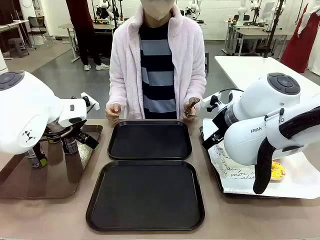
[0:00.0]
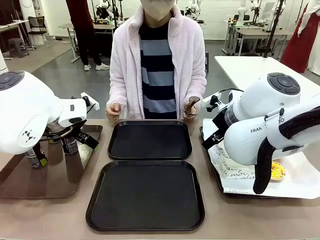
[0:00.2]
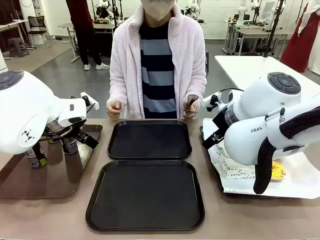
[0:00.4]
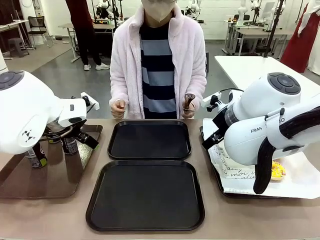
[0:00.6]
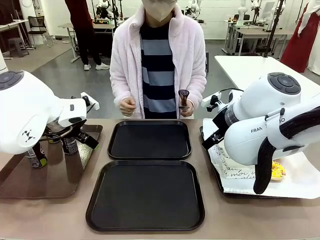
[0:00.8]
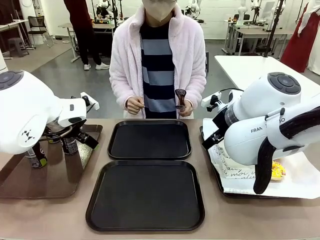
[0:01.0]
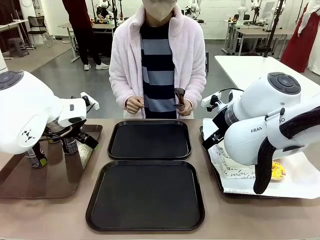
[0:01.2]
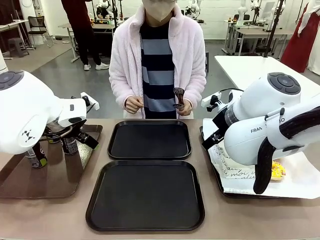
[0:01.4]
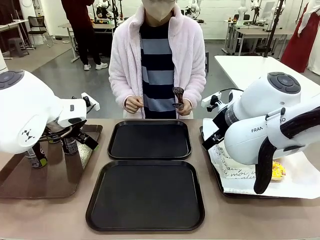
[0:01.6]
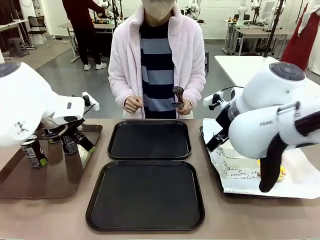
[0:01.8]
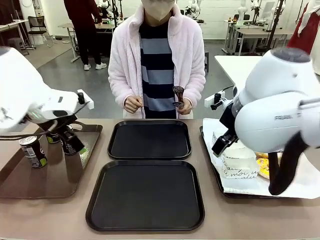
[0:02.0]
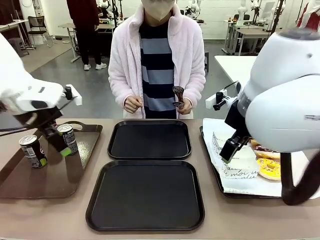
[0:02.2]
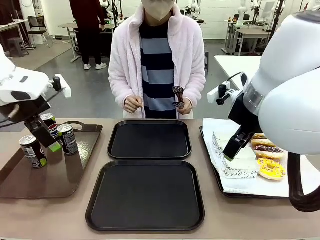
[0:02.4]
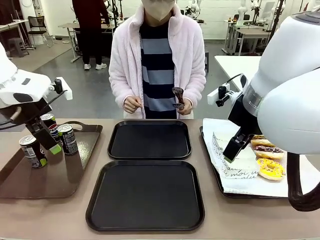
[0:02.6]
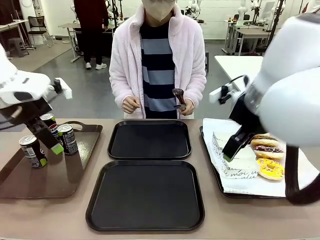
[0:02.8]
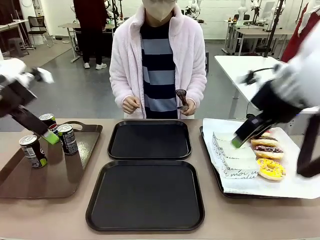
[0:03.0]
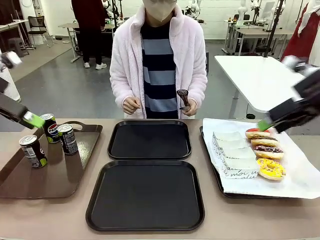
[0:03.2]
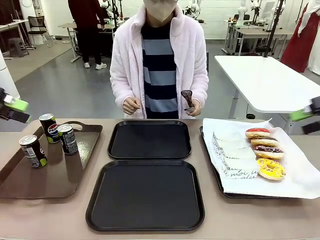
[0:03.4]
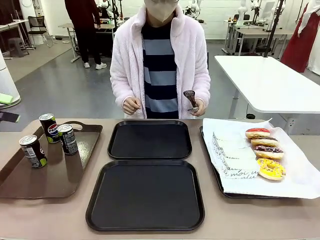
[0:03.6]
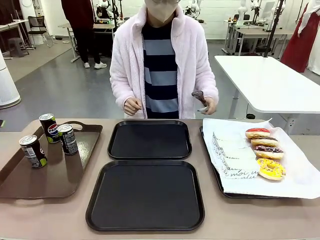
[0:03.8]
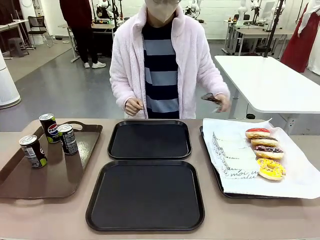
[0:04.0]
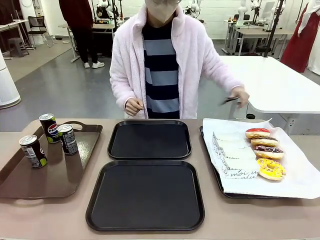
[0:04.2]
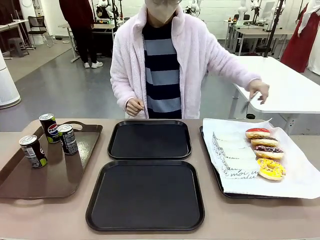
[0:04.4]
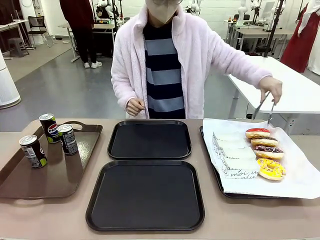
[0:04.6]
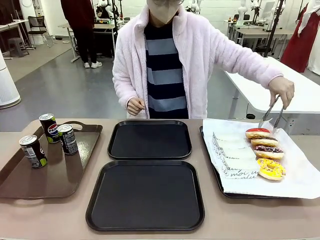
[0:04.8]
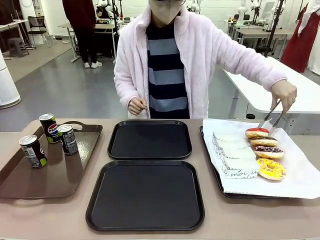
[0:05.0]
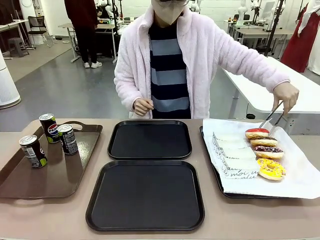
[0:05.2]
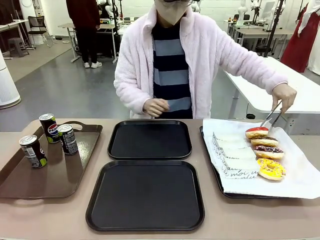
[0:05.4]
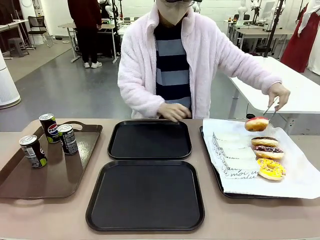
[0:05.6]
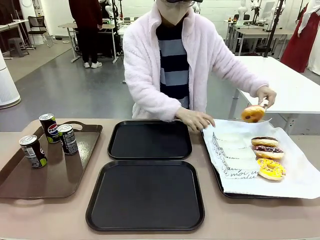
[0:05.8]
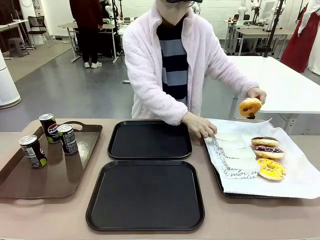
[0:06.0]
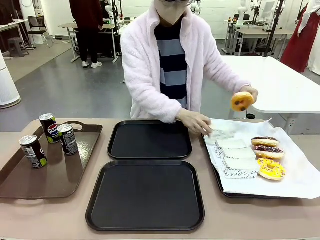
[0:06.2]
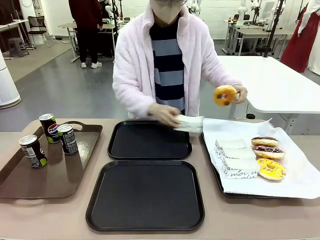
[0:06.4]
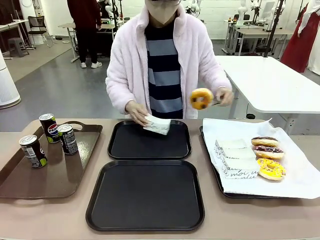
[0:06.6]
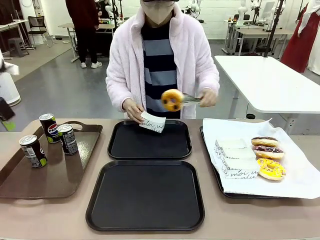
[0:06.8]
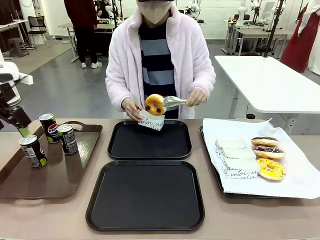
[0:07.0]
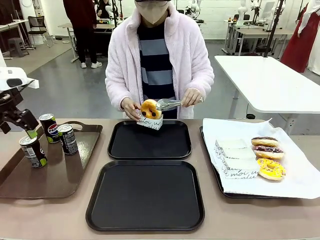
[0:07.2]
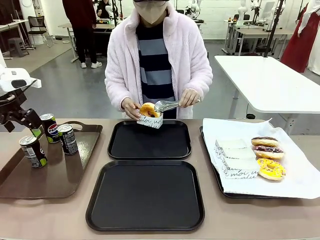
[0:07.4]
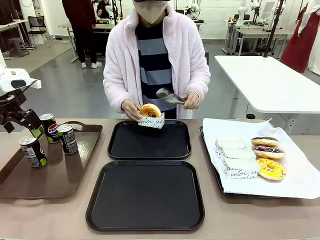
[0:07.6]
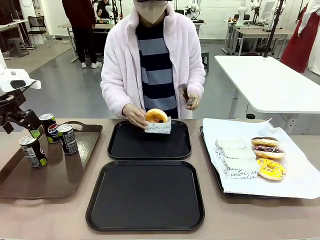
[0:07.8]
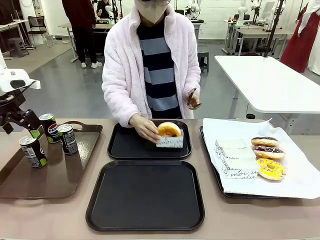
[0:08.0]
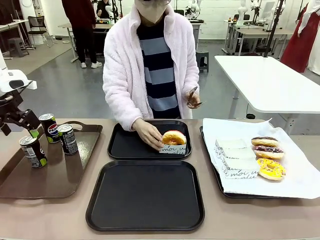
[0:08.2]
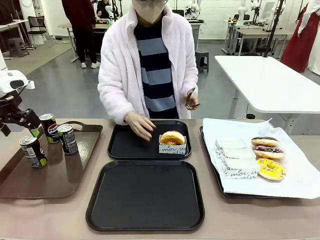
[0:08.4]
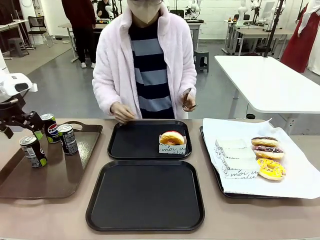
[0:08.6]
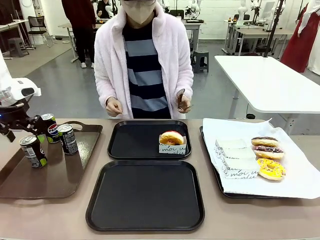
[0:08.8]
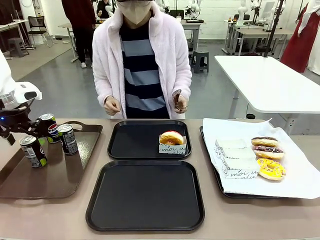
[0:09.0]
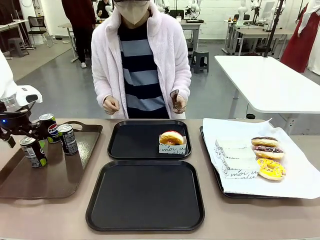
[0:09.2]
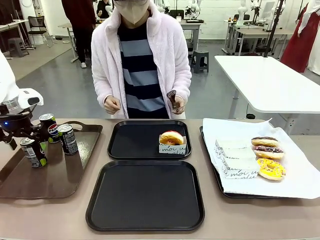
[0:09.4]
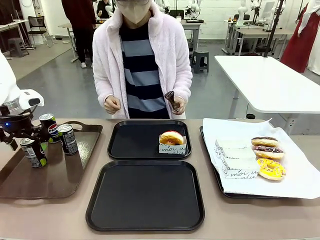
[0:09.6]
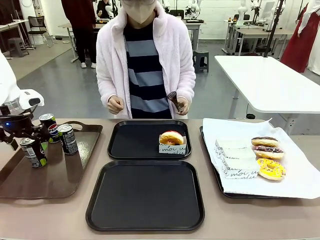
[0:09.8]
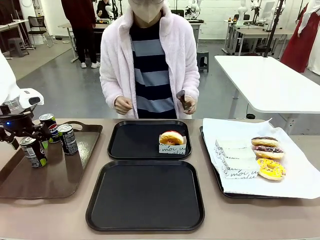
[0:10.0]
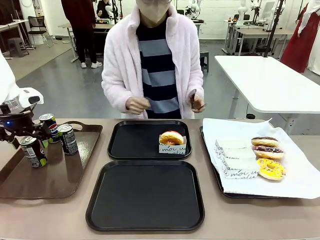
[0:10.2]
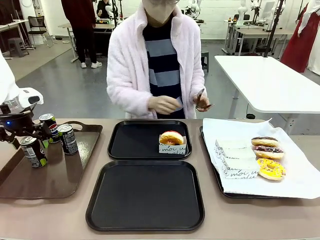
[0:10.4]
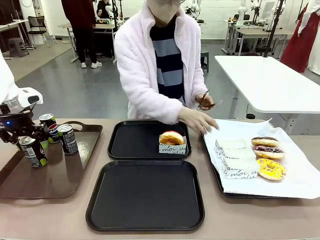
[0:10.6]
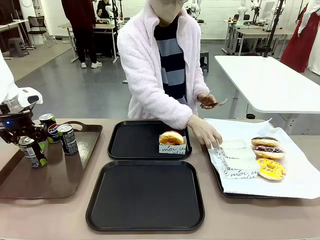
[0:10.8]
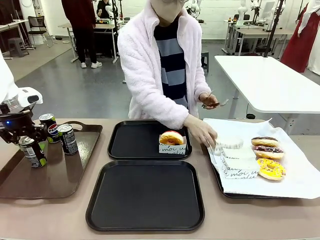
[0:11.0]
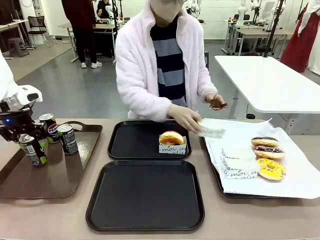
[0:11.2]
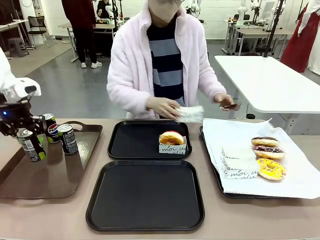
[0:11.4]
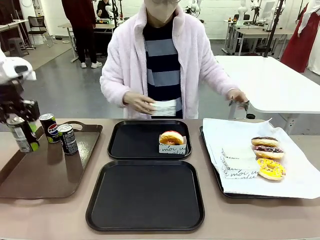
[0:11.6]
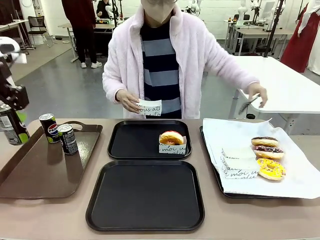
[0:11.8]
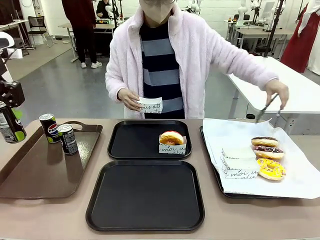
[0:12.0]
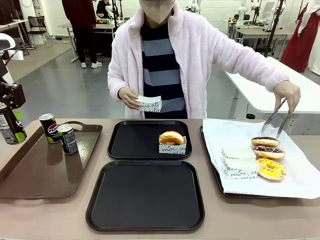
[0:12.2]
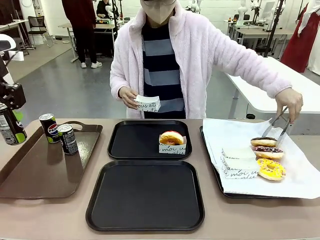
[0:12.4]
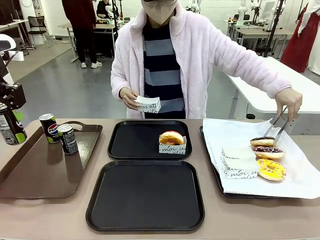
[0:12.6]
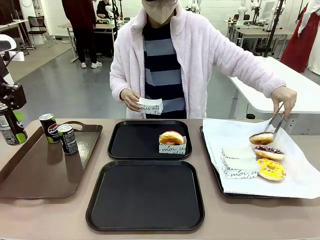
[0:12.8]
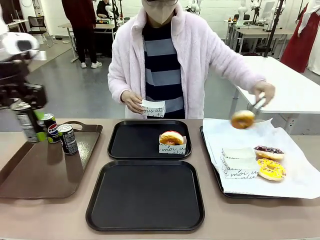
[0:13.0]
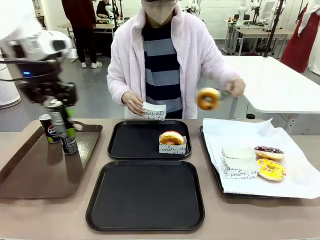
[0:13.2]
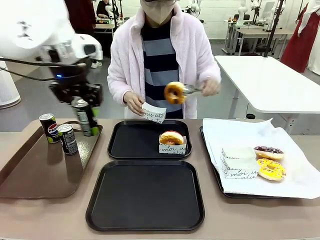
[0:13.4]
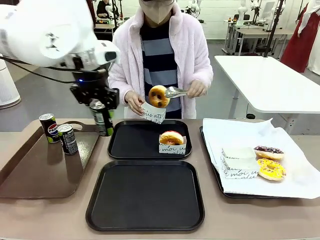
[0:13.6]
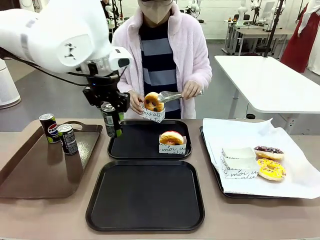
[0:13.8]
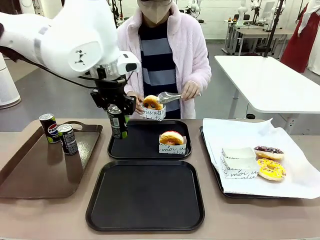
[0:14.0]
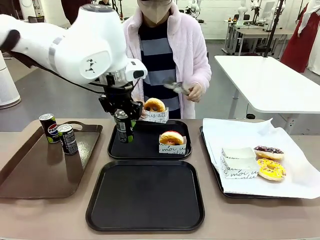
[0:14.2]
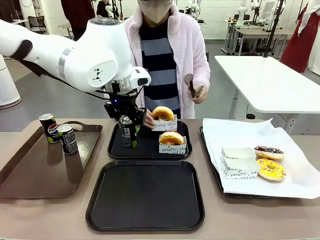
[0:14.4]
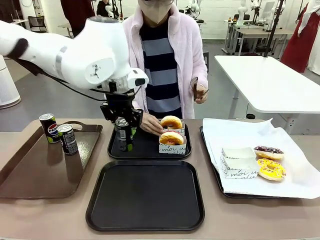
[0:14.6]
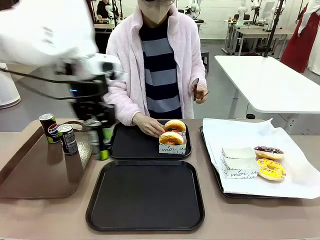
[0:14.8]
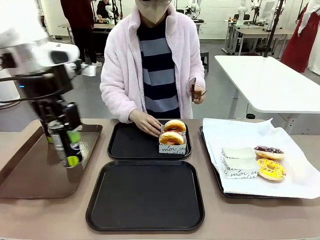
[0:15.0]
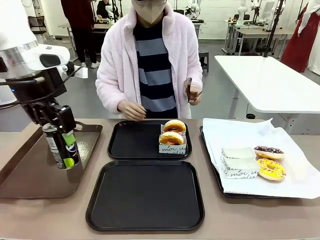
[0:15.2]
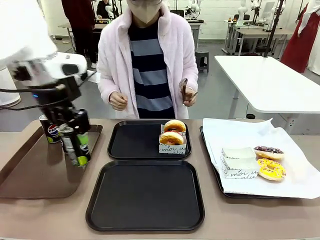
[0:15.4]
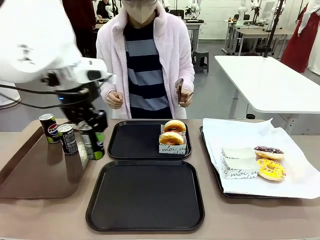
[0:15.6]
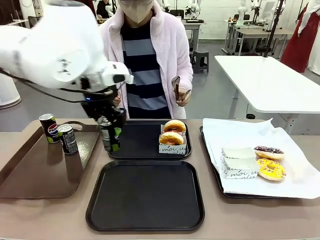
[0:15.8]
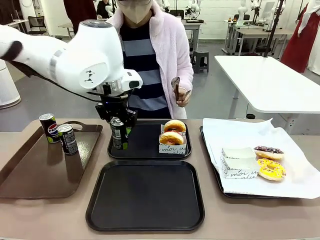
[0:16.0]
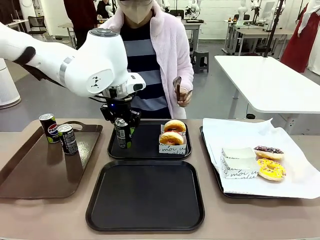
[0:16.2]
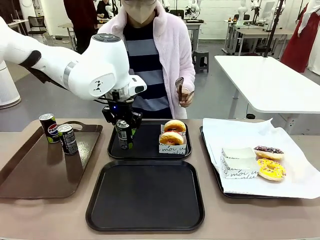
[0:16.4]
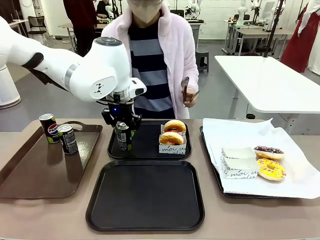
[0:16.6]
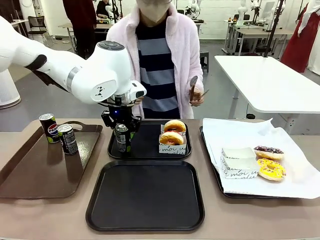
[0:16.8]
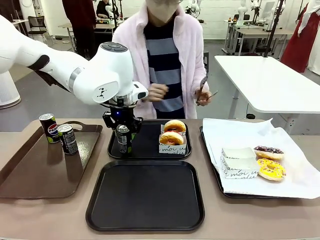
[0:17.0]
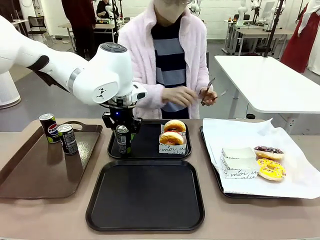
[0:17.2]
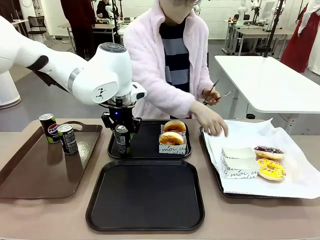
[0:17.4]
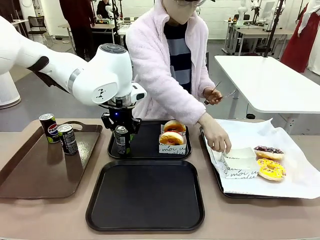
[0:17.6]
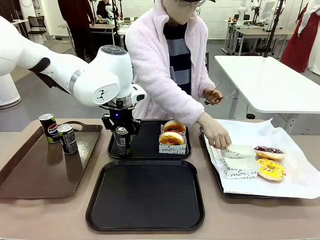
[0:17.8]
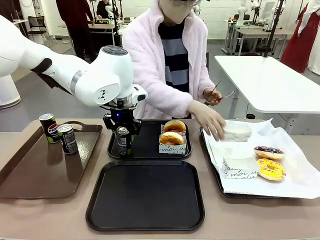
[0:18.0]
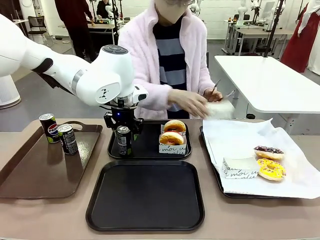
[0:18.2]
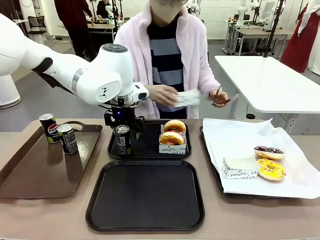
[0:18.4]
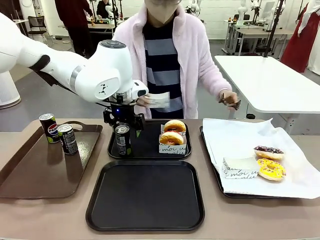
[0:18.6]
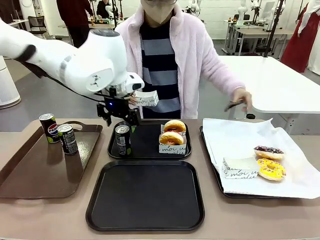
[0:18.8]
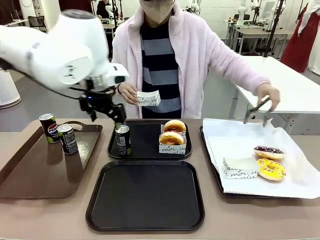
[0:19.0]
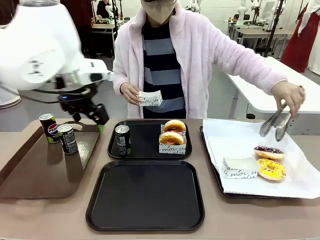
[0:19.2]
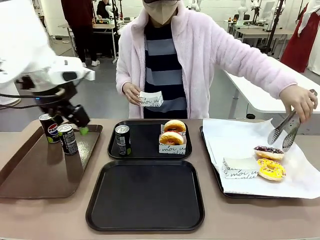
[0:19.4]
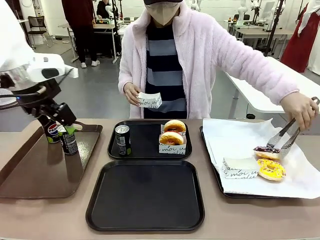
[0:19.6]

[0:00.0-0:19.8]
Task: Set up donuts and drinks on trays.
Robot: Pick up one Pepsi coke and place it on the Flat Tray.
Person: Pick up one donut with tongs, place it in the donut tray, and then place the donut tray on the flat tray.
